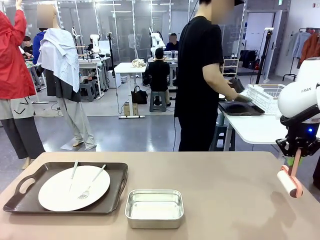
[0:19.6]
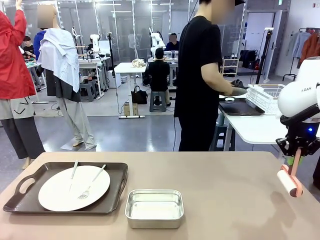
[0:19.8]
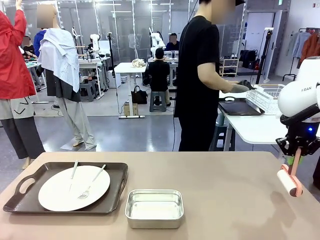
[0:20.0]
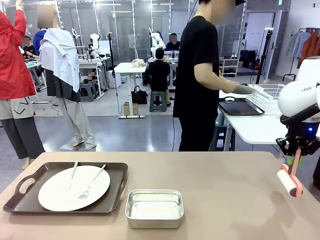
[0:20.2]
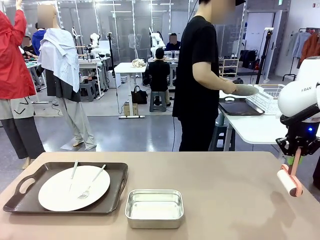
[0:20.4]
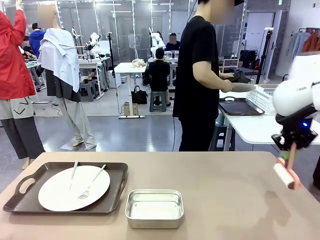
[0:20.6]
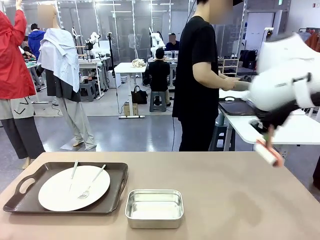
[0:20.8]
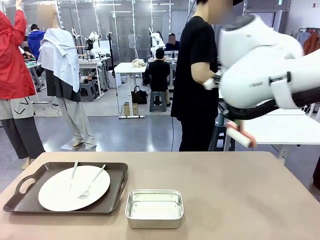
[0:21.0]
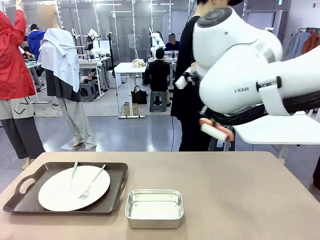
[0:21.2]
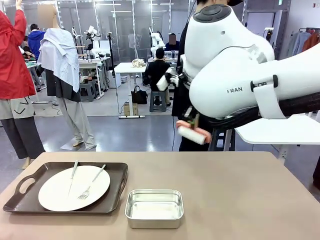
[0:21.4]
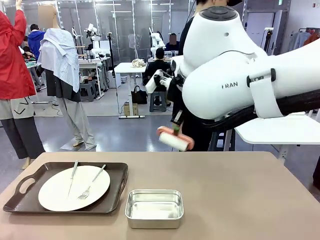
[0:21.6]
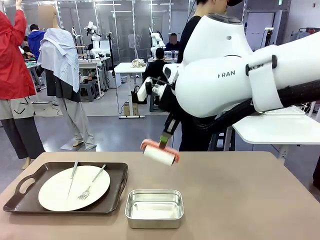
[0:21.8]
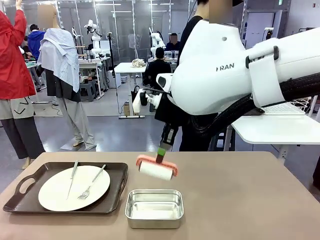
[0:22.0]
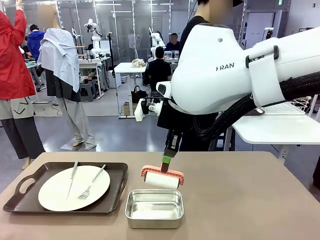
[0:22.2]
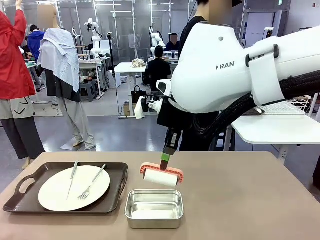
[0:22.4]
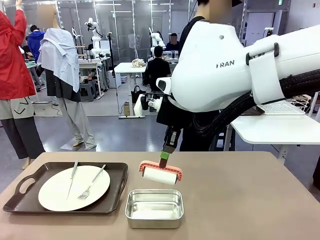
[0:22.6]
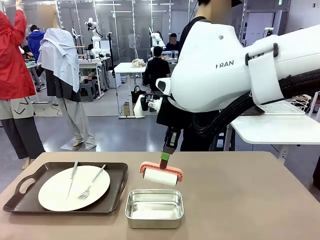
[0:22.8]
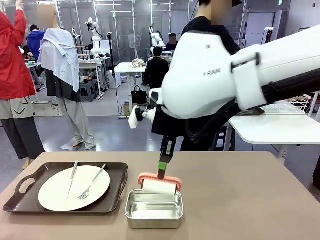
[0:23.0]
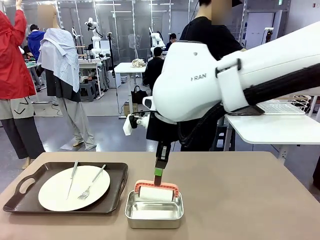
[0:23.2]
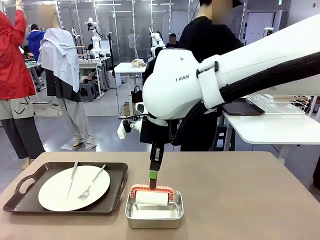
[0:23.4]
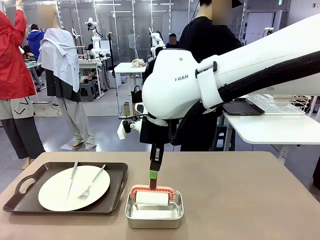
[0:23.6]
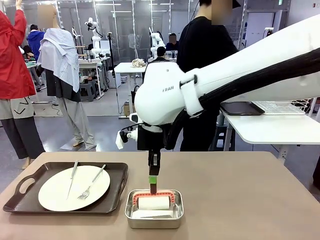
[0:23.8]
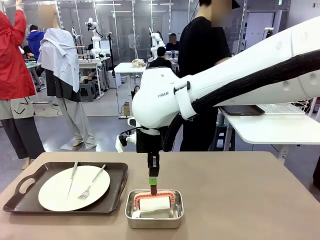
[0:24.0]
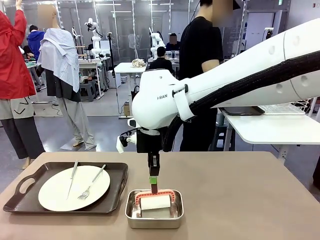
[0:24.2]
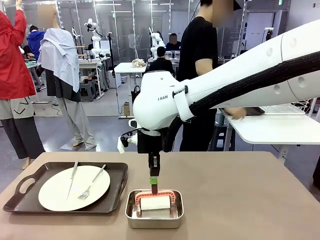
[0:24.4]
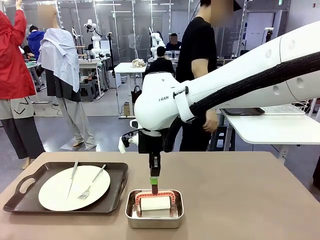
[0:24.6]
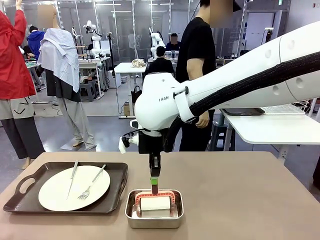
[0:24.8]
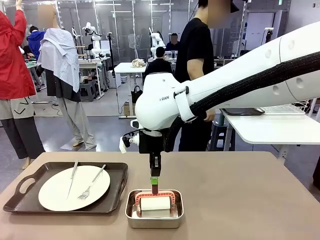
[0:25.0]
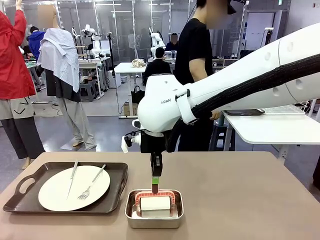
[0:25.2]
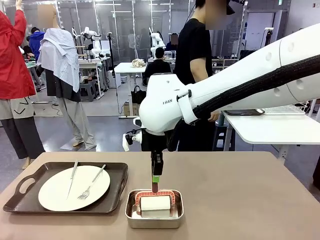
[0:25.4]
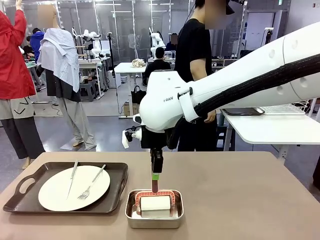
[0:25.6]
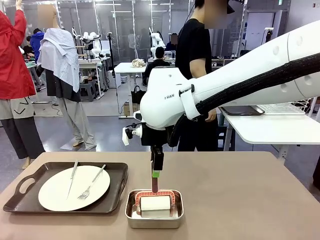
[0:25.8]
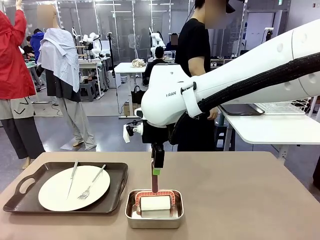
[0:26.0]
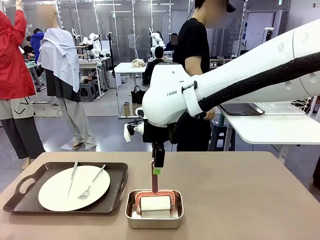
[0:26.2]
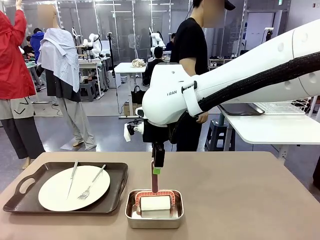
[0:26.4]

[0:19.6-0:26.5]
Robot: Place the Lint Roller back on top of the Airtight Container.

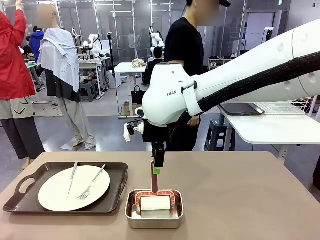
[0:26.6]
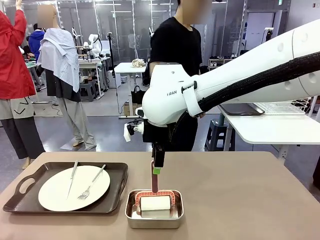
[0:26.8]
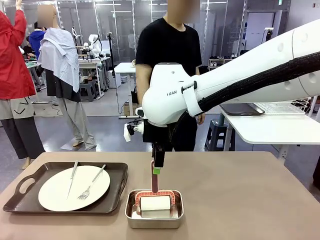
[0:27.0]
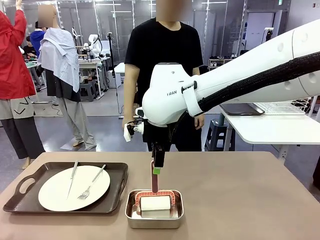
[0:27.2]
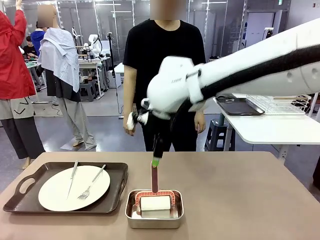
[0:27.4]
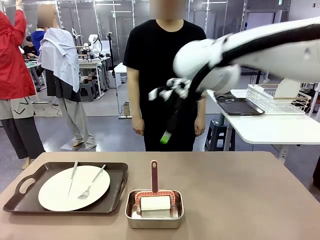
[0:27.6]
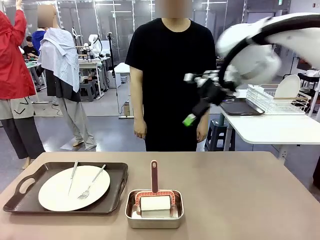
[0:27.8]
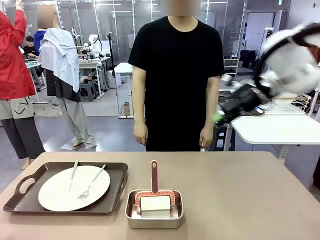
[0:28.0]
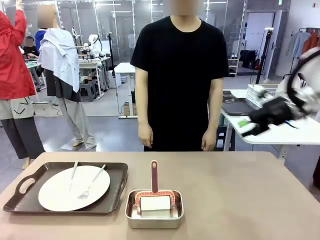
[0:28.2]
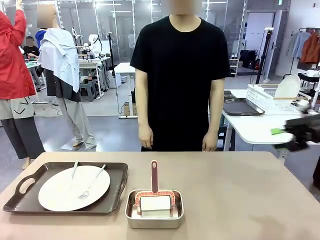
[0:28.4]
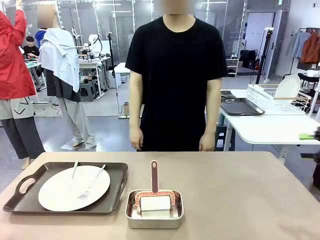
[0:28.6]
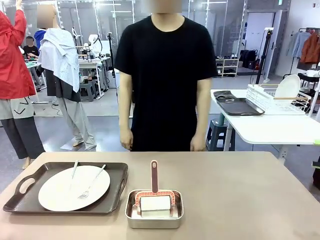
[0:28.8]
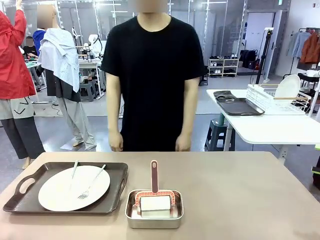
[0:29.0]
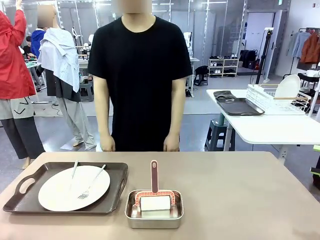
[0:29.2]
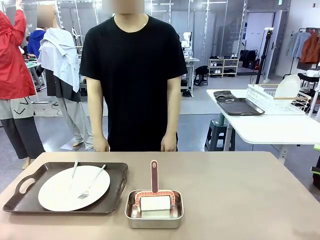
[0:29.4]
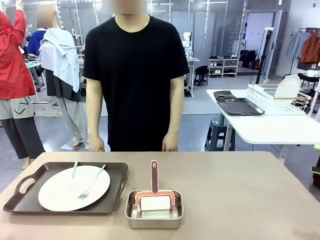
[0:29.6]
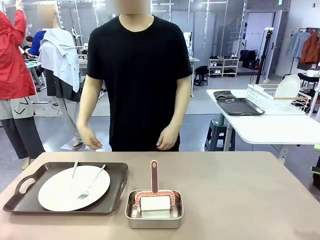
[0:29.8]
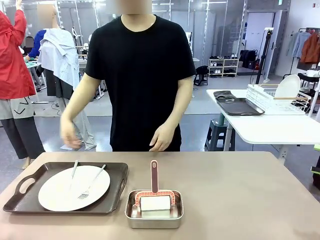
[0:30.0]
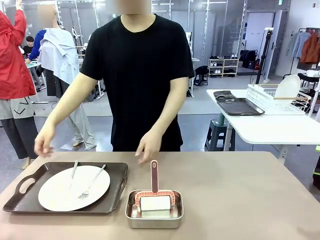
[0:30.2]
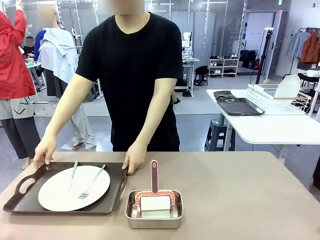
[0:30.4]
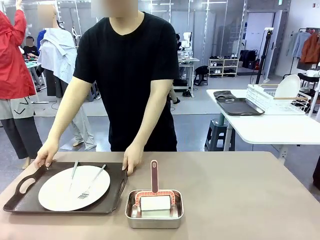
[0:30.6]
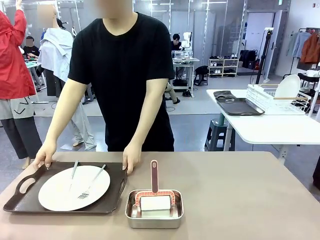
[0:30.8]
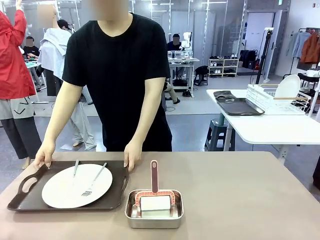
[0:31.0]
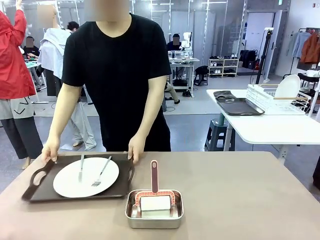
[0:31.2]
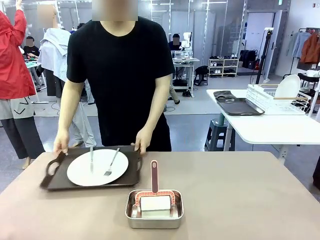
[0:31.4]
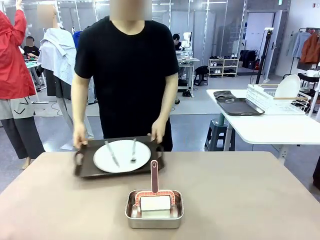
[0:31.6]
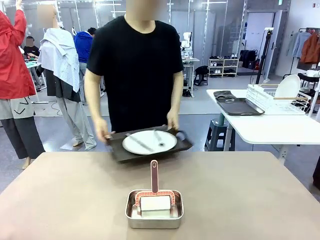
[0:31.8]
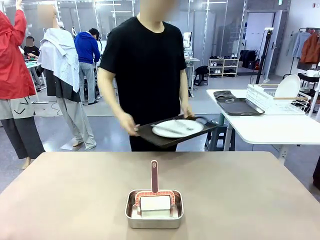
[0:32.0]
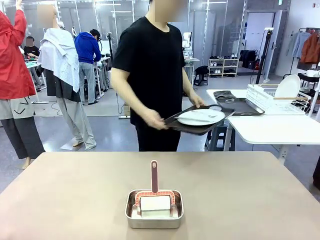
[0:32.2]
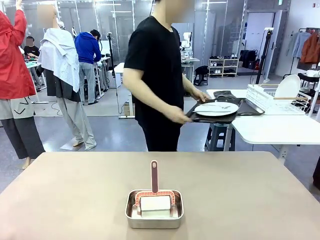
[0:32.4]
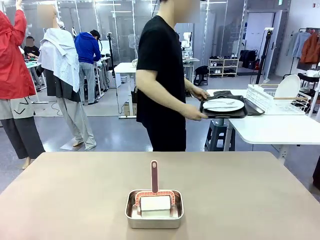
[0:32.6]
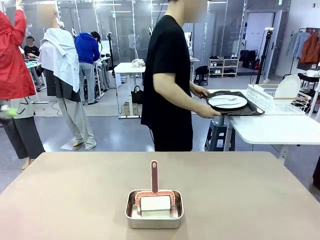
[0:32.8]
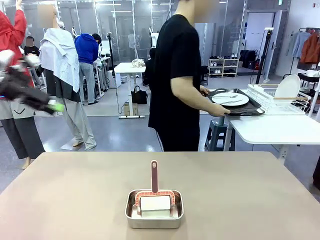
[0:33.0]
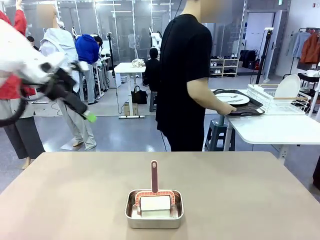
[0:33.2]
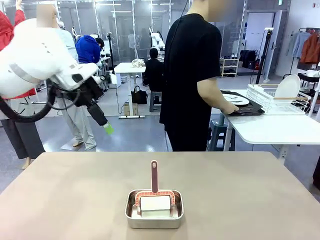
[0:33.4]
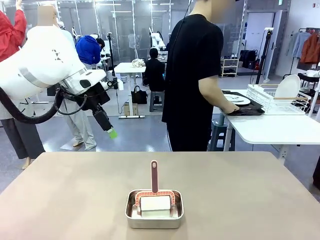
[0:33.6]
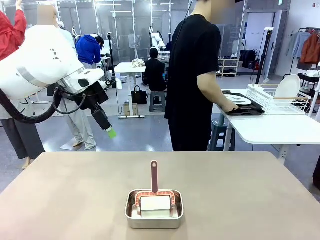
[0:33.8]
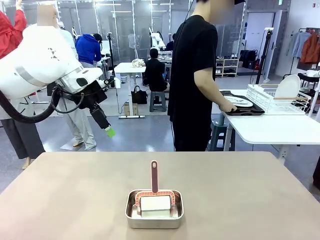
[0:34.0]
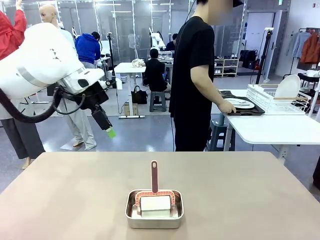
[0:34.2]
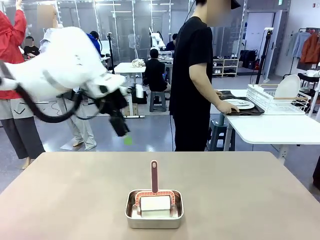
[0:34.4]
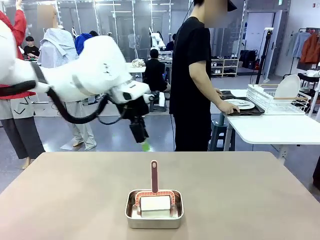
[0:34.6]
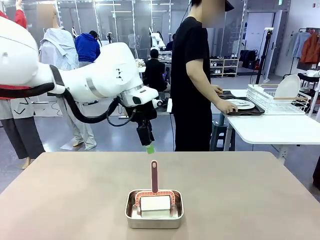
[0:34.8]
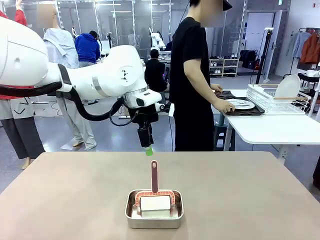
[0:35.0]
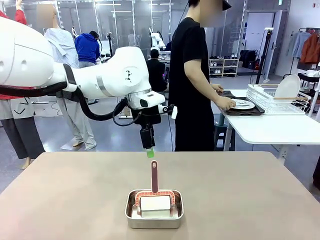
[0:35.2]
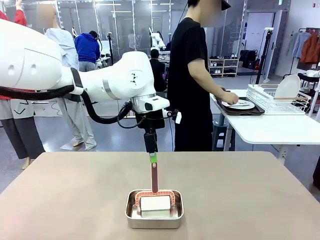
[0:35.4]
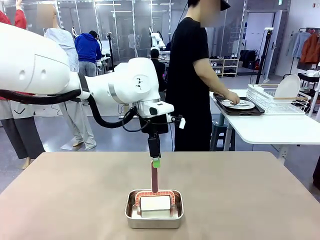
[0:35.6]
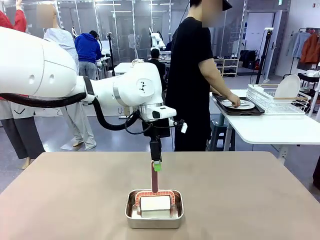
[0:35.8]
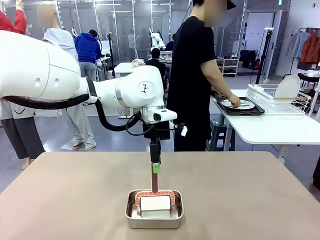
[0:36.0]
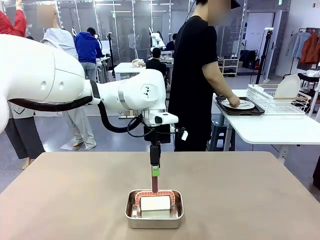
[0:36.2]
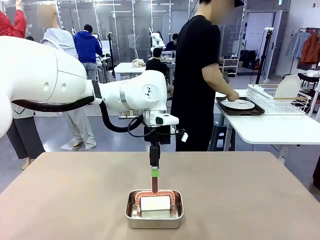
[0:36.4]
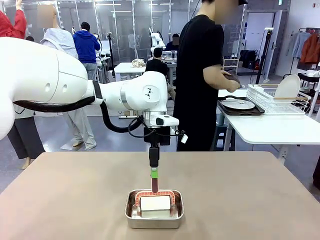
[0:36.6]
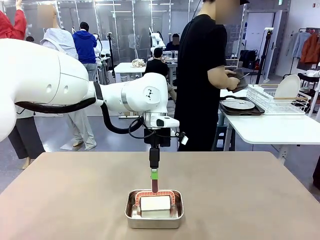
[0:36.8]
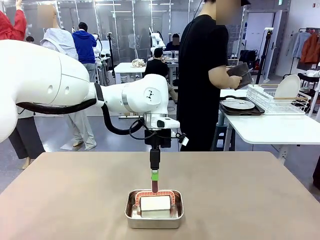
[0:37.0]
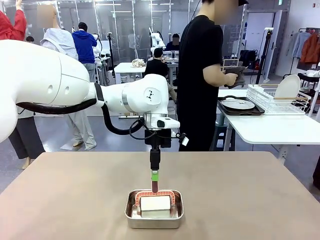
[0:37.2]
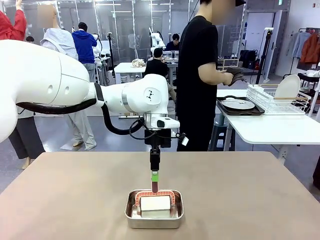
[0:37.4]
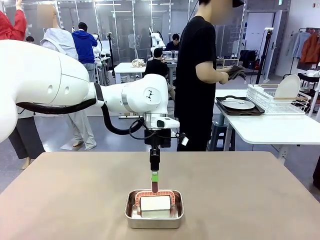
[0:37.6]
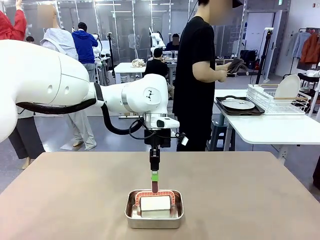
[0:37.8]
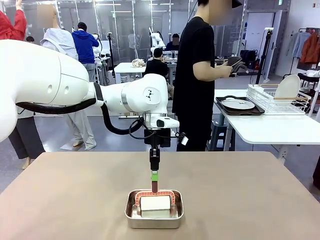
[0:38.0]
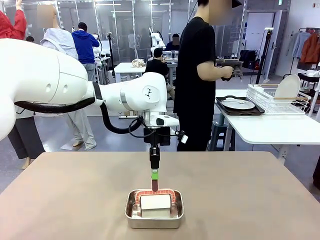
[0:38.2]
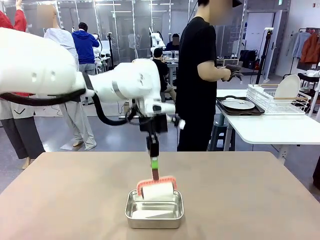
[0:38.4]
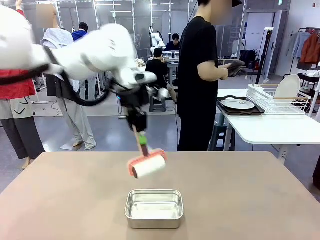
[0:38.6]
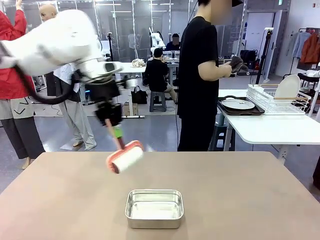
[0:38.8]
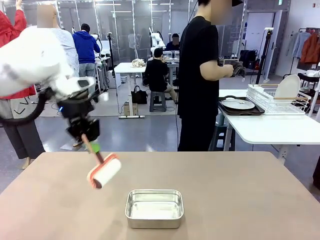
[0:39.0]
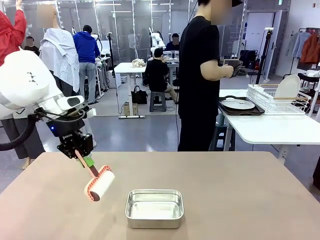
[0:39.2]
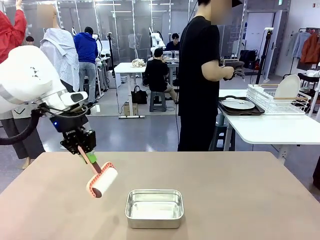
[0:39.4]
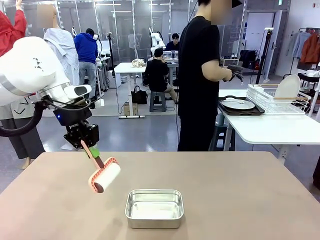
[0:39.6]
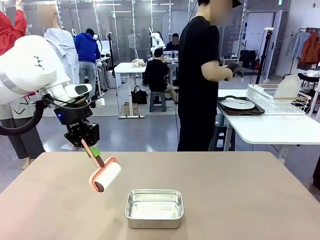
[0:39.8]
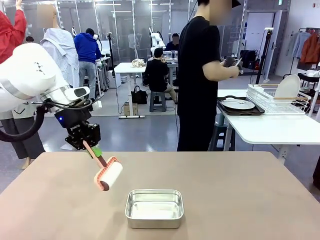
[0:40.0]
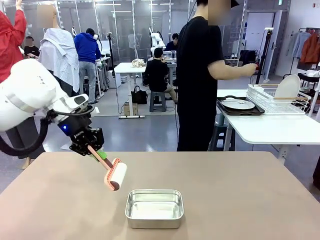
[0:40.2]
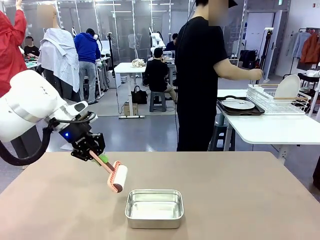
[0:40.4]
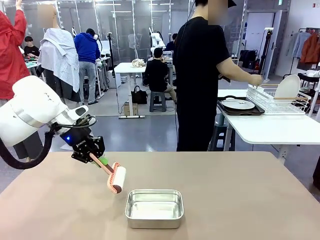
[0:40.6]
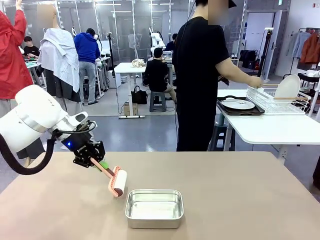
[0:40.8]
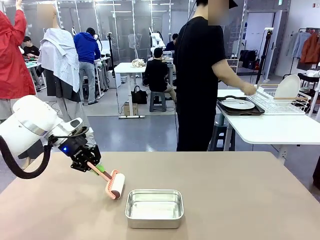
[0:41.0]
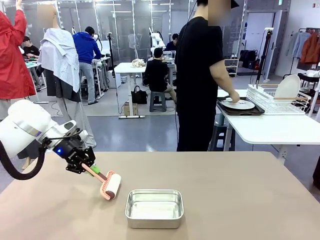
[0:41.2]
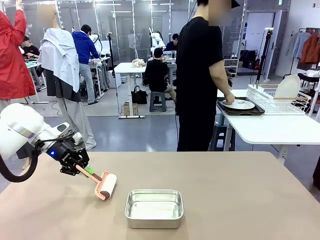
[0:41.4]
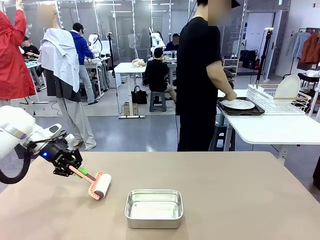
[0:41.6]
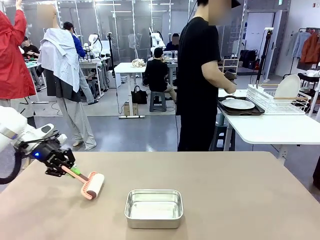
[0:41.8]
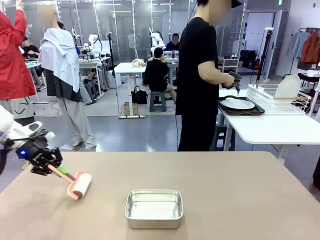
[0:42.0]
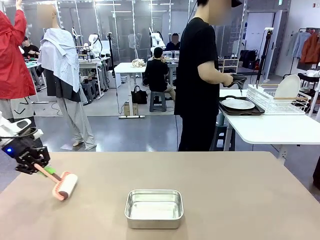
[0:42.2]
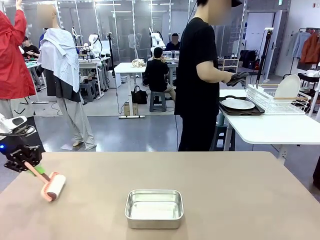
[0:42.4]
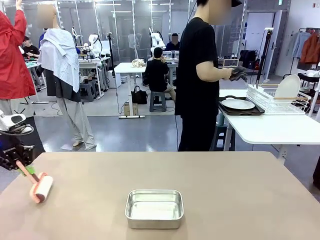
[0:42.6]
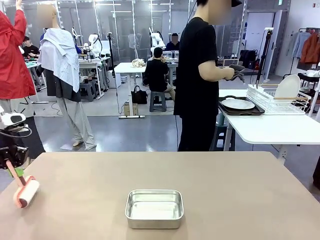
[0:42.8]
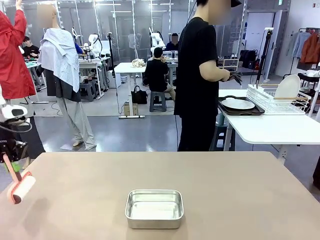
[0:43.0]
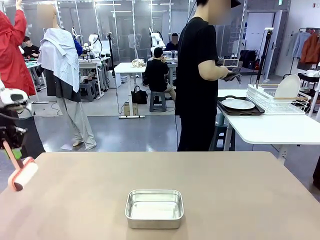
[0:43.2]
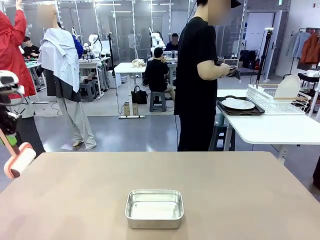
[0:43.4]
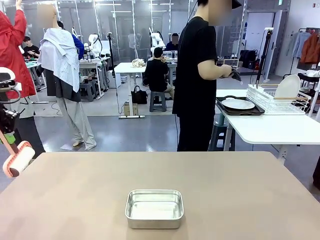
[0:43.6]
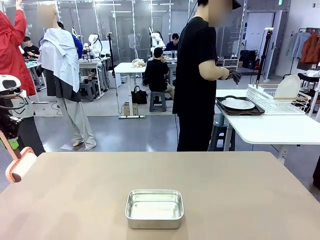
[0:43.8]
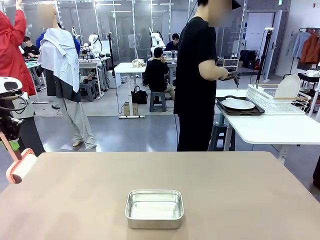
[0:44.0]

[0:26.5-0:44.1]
Robot: When the right (or left) Handle tray is removed, use the right hand (or left hand) to clean the right (or left) side of the table with the Lint Roller.
Person: Pick up the left (or right) Handle tray and place it on the Handle tray.
